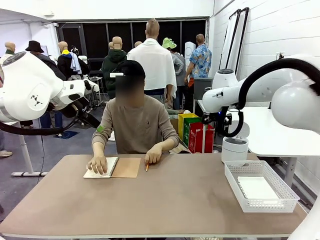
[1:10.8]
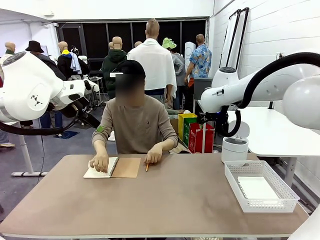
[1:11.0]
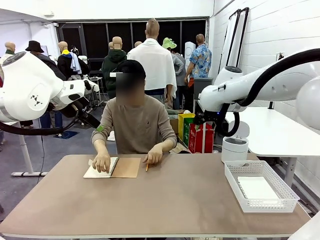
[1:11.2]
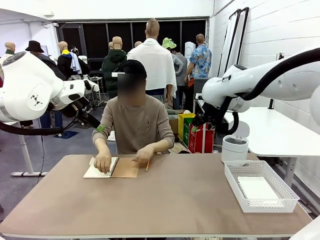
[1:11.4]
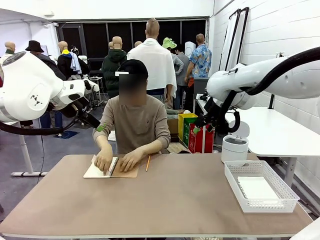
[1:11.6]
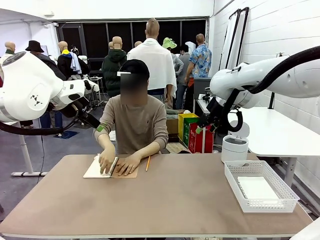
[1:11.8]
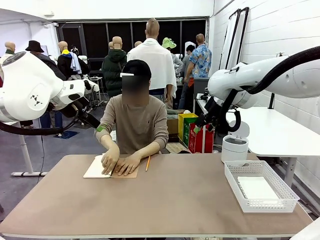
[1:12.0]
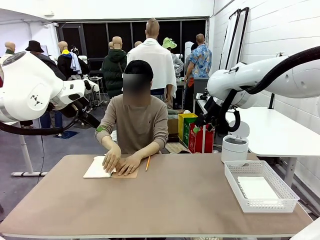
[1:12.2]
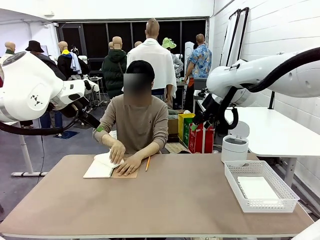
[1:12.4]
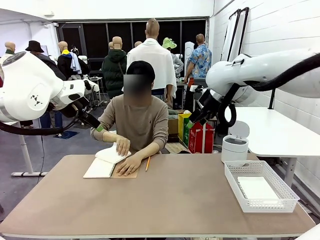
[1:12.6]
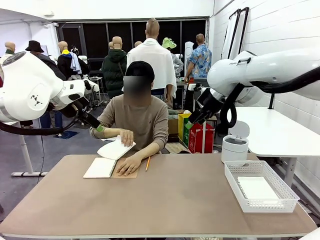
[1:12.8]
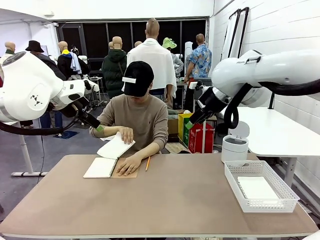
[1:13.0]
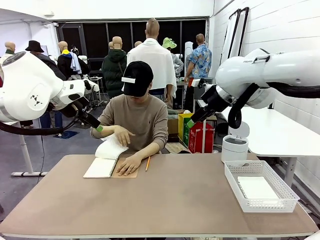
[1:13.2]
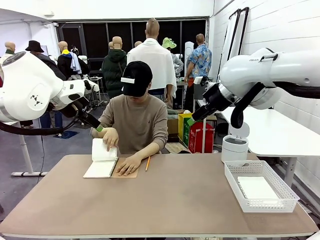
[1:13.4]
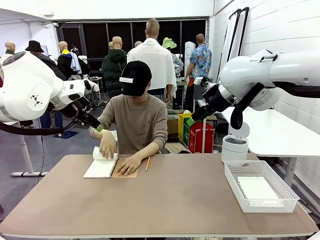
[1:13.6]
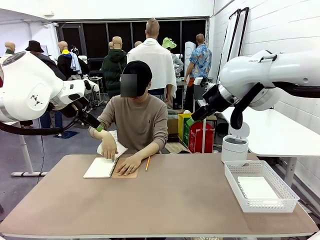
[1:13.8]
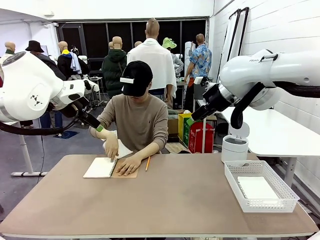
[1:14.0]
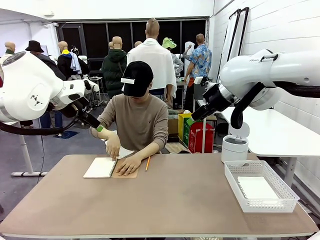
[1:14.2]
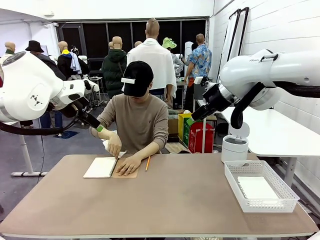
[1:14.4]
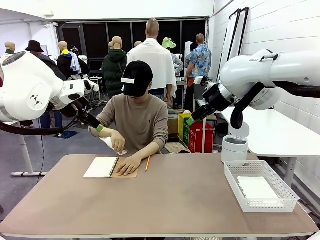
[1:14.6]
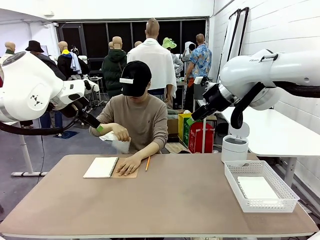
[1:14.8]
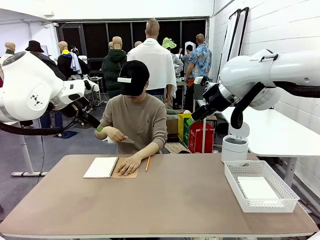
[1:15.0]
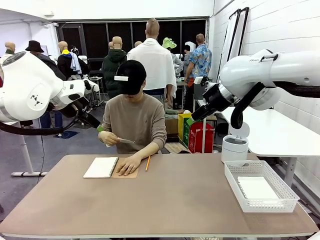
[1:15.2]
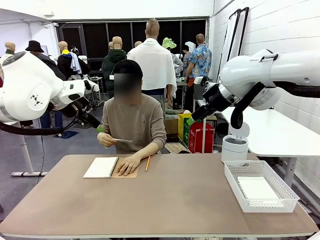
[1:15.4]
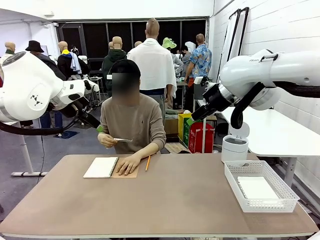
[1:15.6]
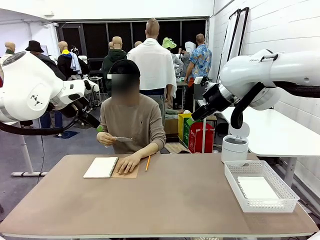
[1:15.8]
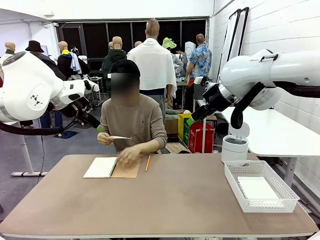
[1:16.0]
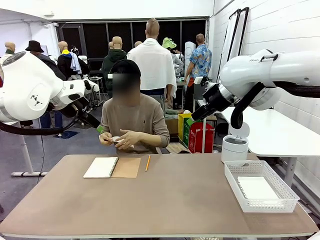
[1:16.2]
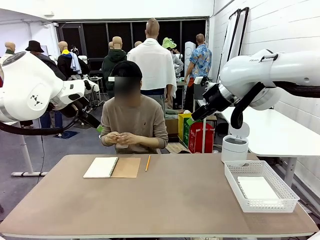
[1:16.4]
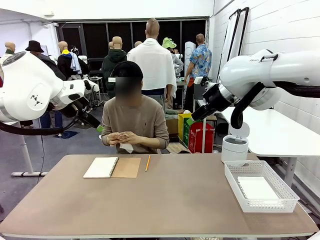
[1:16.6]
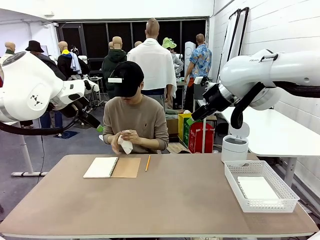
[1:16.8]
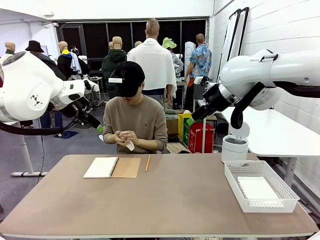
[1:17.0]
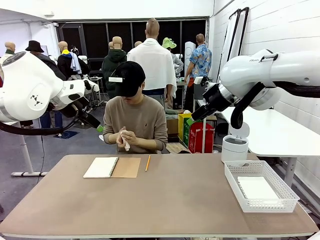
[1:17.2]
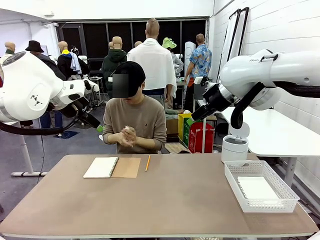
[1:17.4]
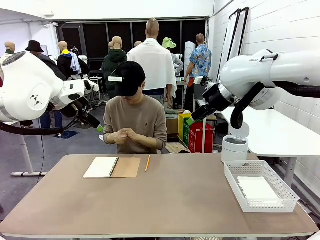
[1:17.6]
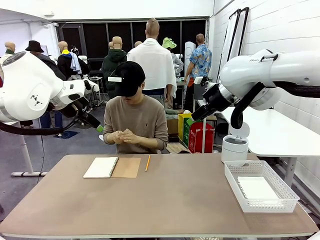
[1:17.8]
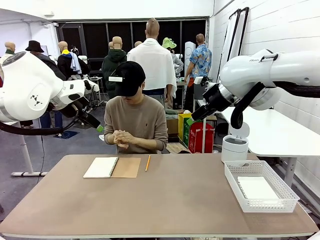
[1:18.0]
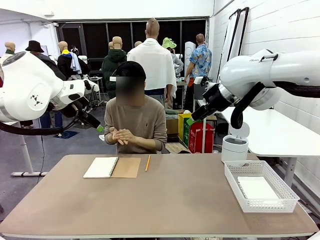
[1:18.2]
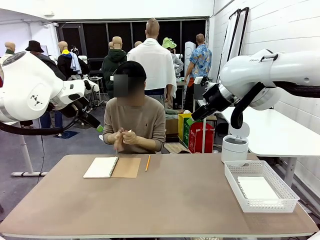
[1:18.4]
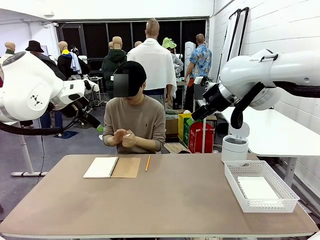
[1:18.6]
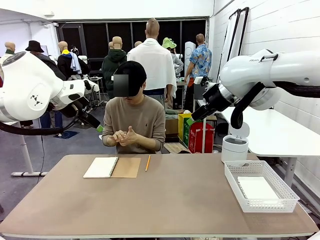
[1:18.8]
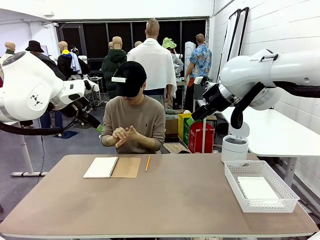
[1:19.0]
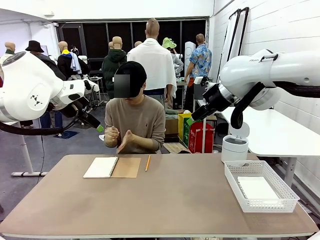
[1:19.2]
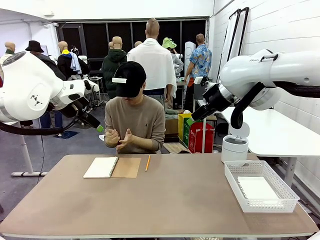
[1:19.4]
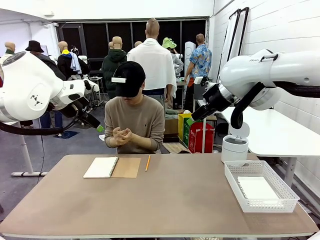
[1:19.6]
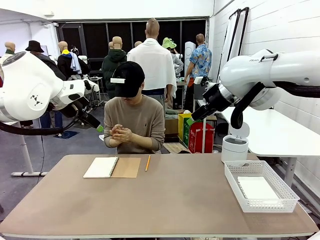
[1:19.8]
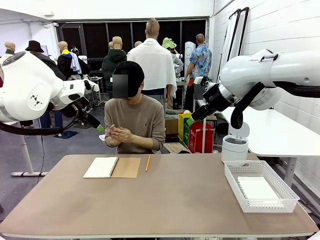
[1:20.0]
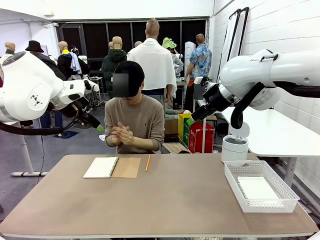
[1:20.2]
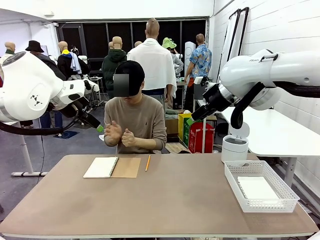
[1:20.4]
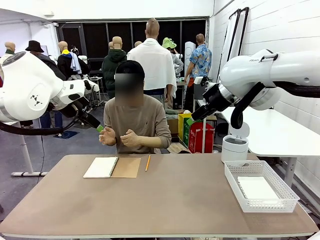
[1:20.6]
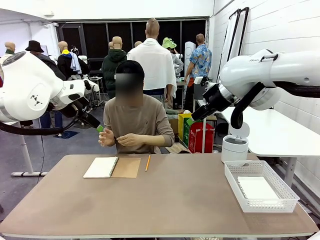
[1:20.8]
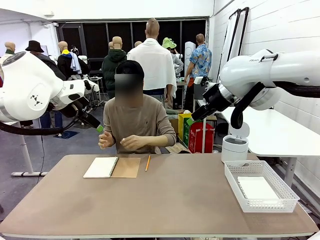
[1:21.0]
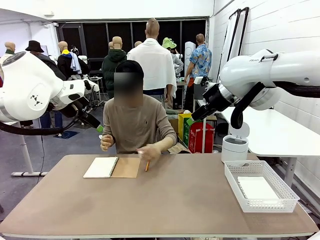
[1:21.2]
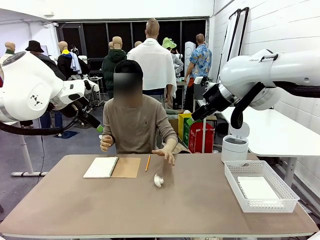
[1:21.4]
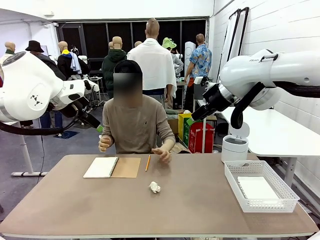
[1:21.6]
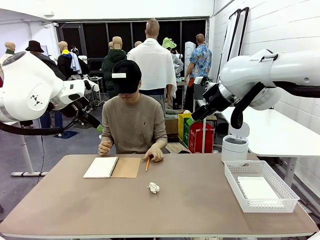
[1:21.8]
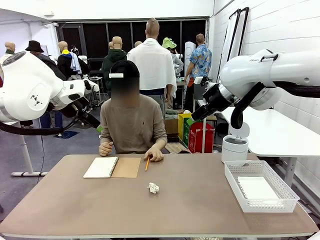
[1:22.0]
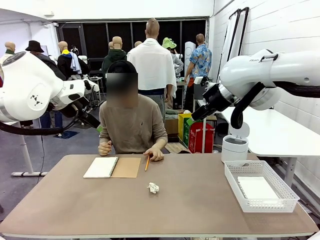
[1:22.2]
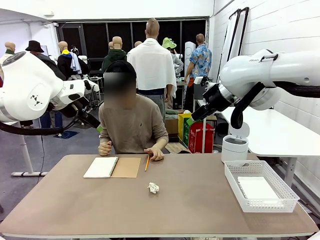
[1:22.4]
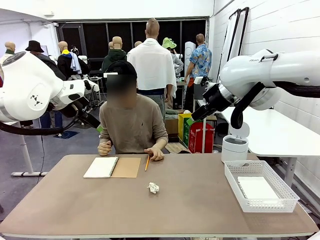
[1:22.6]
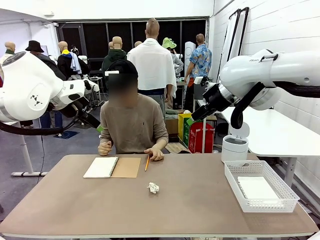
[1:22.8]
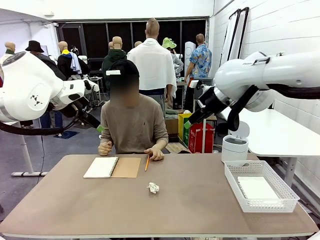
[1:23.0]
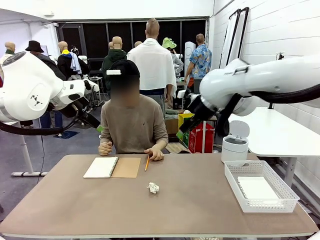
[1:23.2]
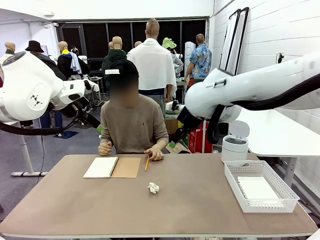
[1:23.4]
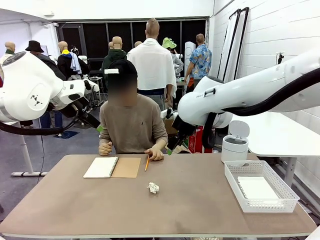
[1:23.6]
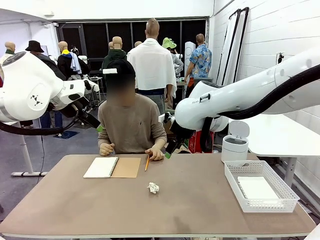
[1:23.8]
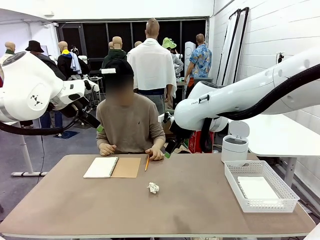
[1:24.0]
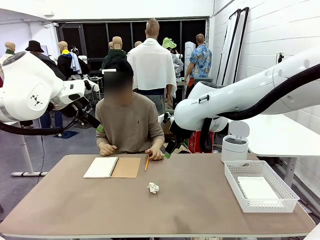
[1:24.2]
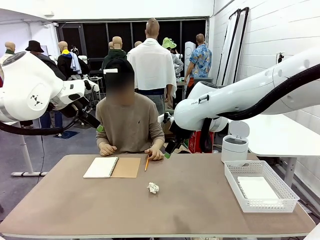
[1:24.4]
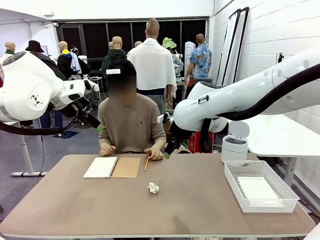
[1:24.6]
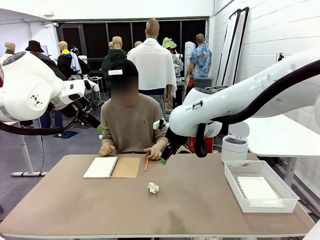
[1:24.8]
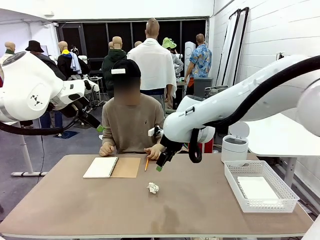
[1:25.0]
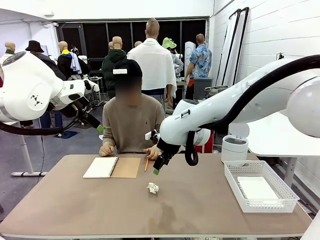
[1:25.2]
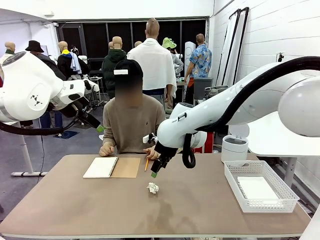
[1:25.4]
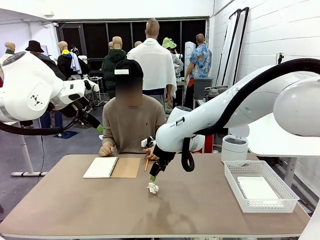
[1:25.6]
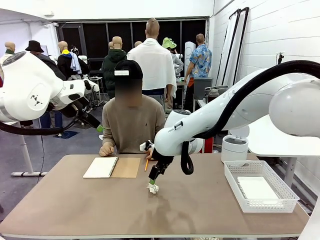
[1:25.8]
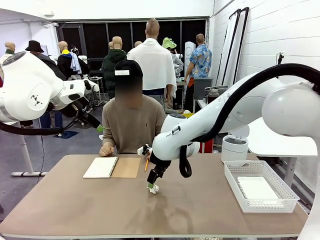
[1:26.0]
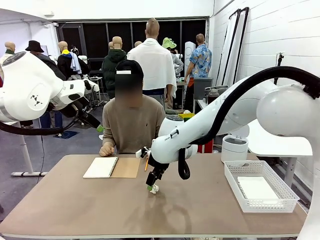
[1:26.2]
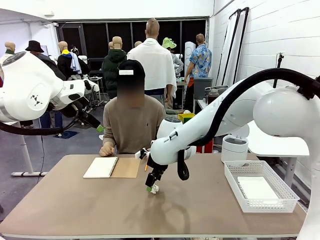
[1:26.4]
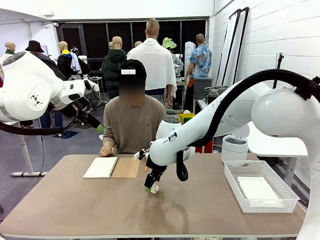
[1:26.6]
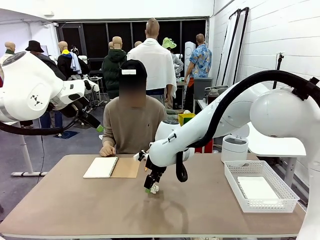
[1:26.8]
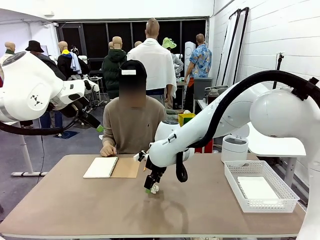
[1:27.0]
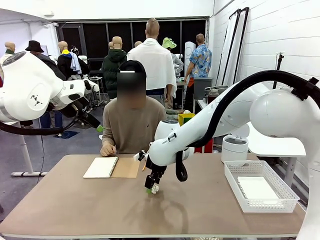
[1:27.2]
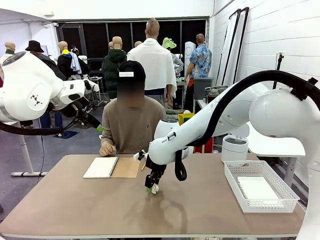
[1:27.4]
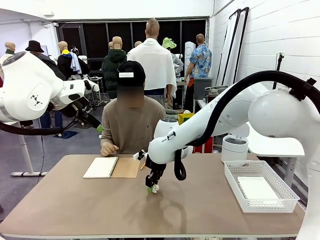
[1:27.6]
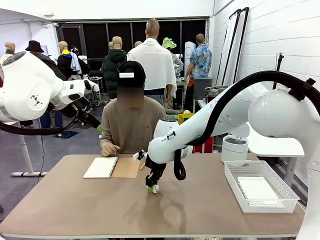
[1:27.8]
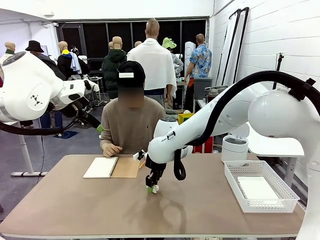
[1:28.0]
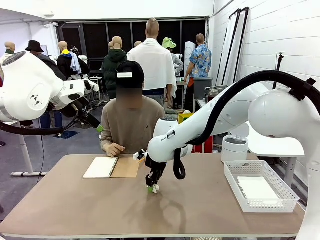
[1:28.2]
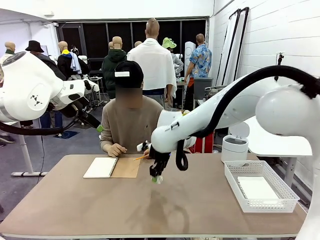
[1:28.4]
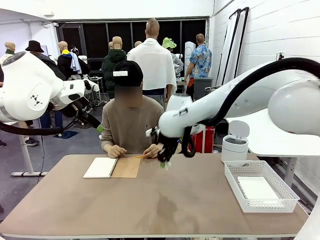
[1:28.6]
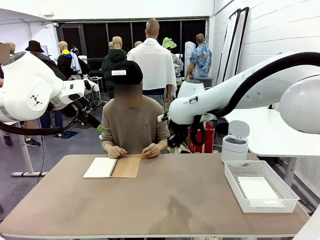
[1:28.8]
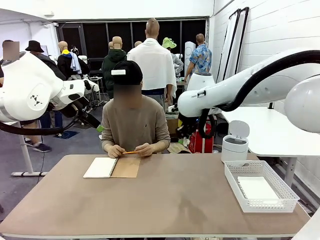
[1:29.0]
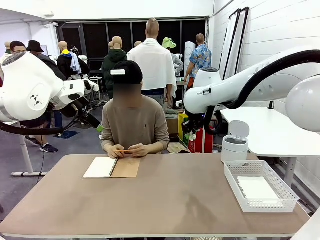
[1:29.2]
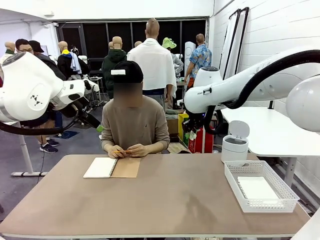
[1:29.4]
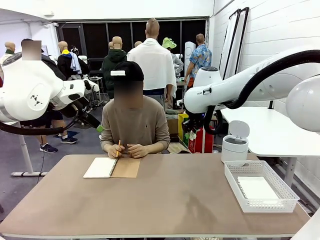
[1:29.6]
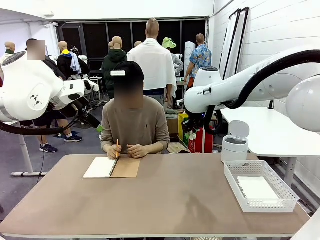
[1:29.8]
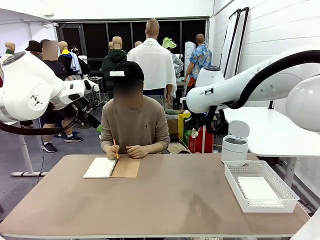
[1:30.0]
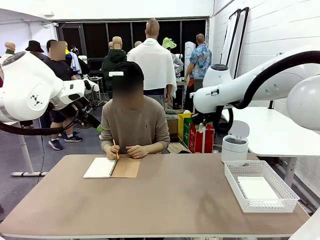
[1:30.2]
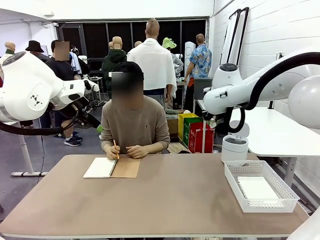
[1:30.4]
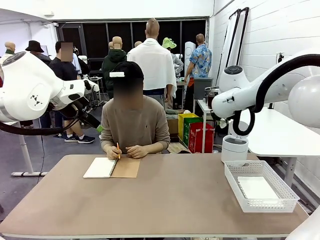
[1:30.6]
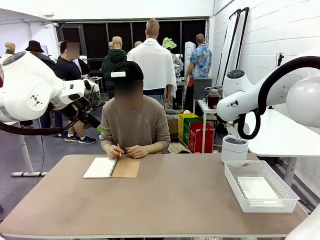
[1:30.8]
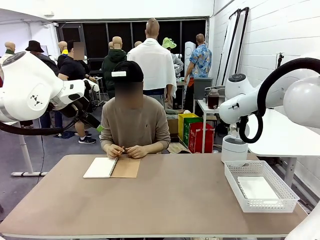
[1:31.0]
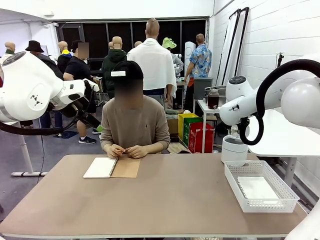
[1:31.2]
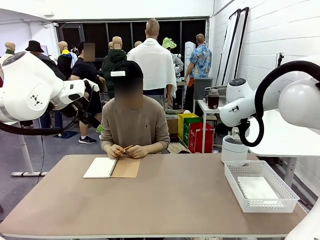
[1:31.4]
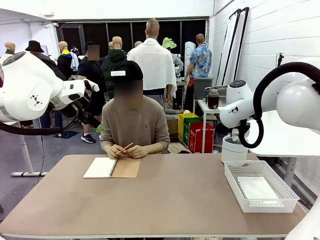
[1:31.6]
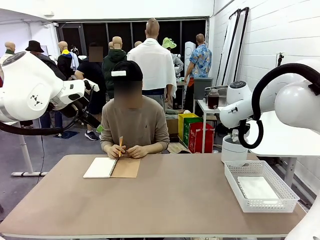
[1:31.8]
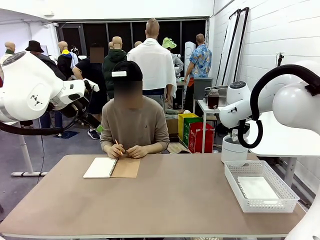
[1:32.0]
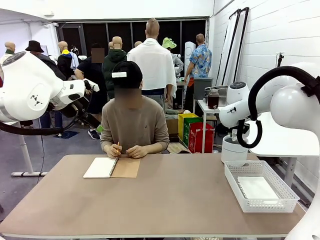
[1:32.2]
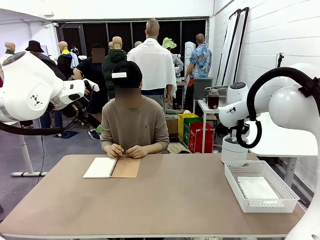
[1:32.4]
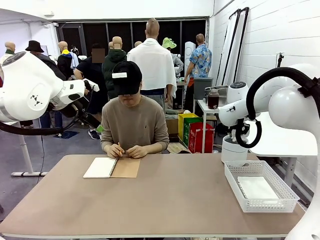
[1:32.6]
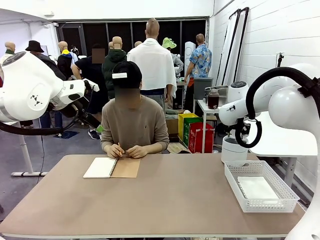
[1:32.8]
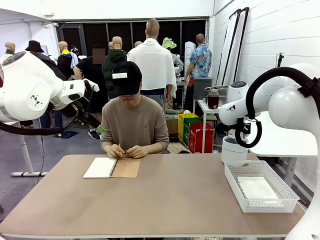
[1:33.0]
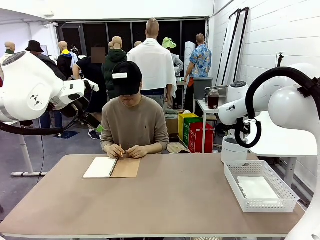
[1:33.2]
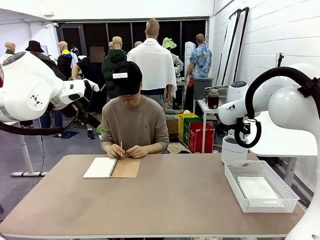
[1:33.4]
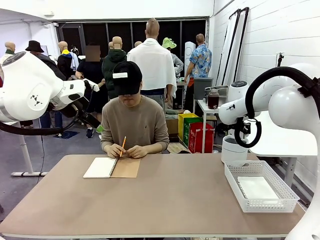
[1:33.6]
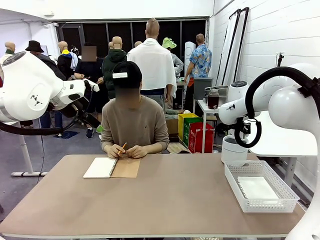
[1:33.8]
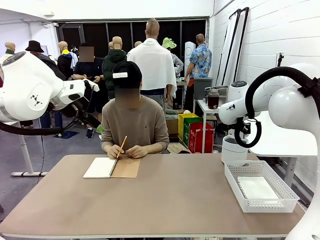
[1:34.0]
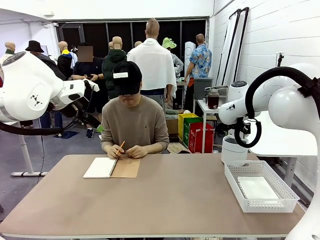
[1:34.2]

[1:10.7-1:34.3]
Task: Sort the paper based on its condition.
Robot: If a person hands you a paper, place it in the Organizing basket , and if it's crumpled, put it in the Trash can.
Person: Hand the torn page to the robot or crumple it and throw it to the center of the table.
